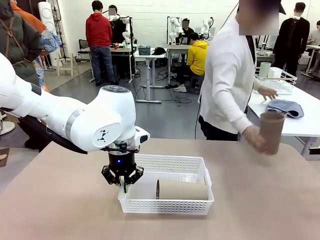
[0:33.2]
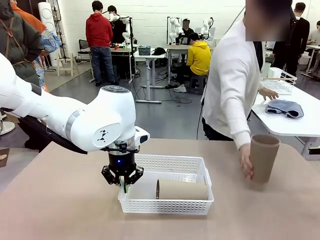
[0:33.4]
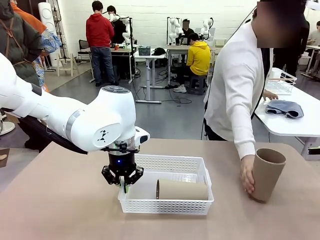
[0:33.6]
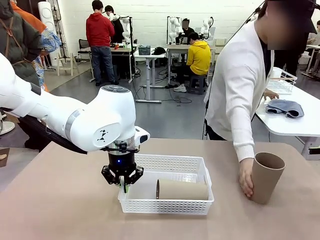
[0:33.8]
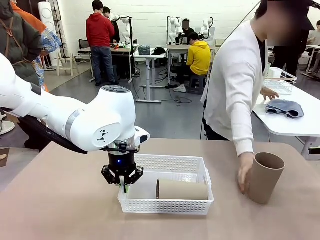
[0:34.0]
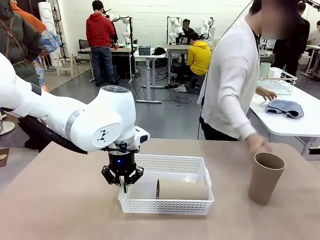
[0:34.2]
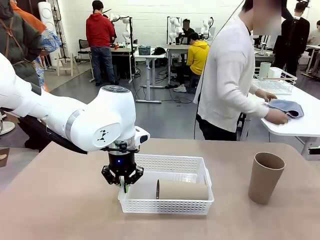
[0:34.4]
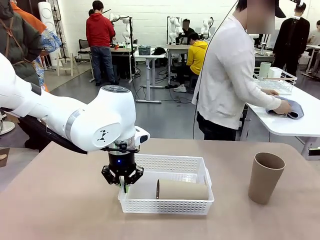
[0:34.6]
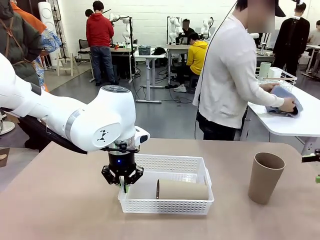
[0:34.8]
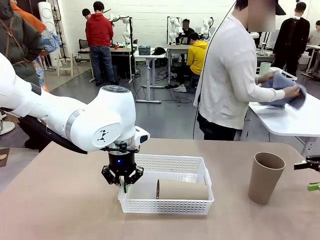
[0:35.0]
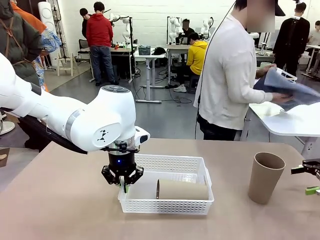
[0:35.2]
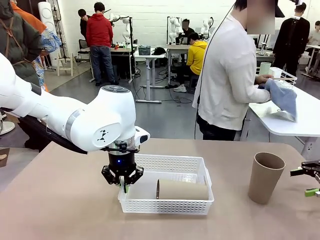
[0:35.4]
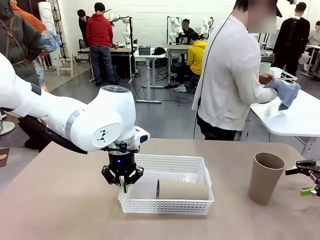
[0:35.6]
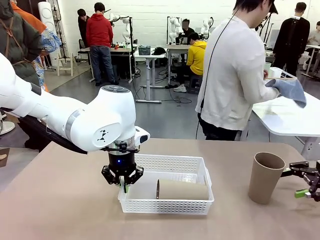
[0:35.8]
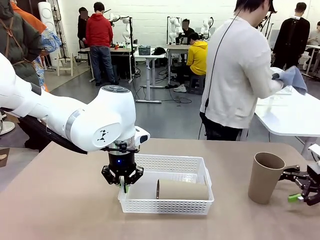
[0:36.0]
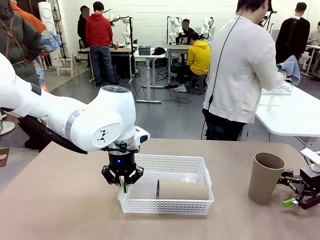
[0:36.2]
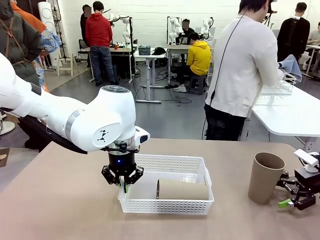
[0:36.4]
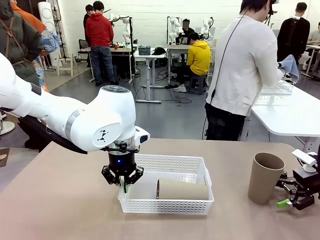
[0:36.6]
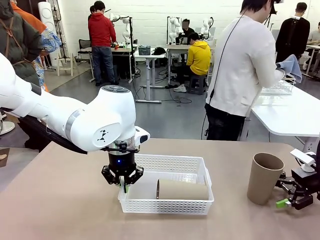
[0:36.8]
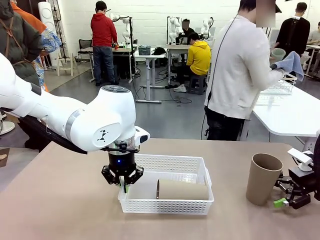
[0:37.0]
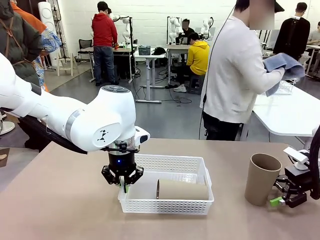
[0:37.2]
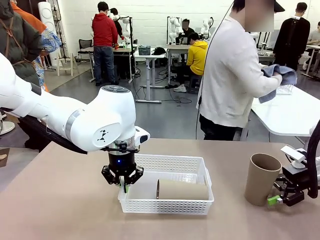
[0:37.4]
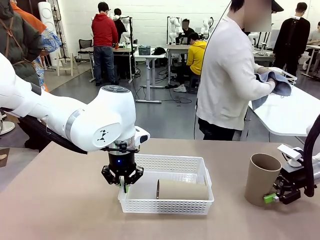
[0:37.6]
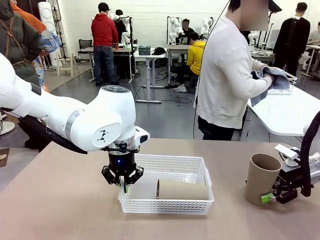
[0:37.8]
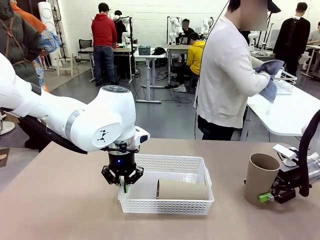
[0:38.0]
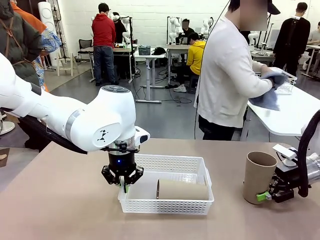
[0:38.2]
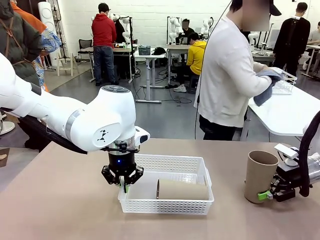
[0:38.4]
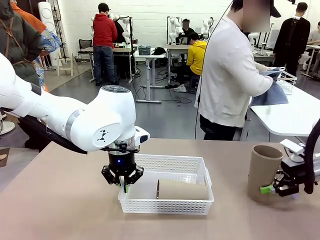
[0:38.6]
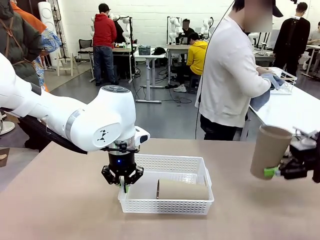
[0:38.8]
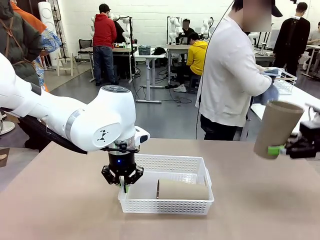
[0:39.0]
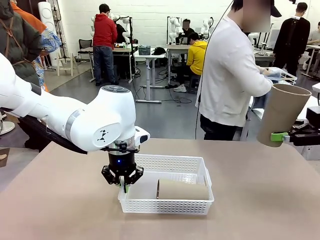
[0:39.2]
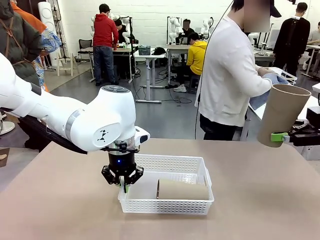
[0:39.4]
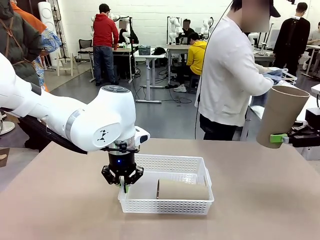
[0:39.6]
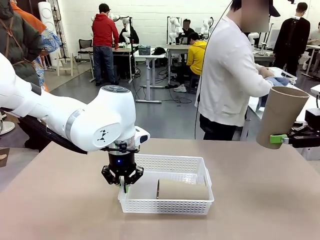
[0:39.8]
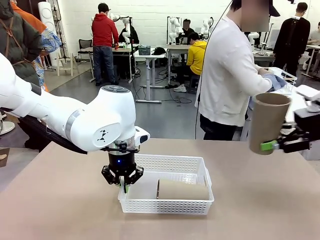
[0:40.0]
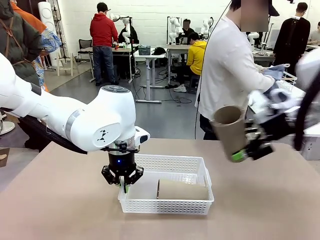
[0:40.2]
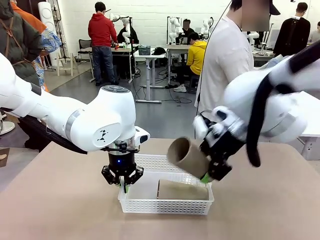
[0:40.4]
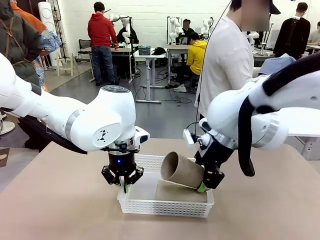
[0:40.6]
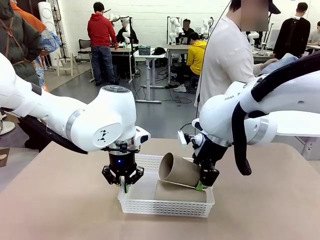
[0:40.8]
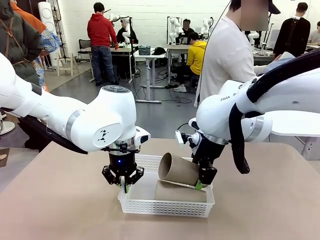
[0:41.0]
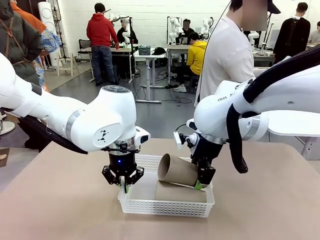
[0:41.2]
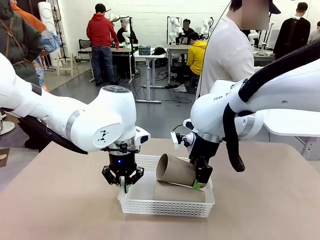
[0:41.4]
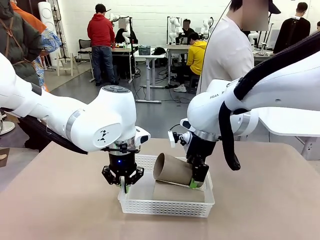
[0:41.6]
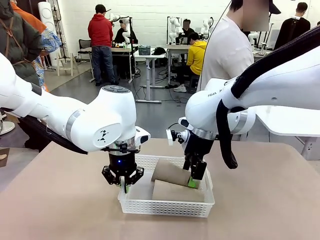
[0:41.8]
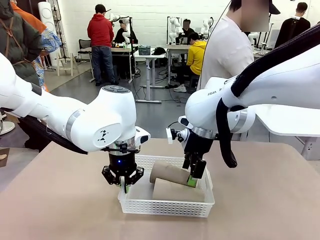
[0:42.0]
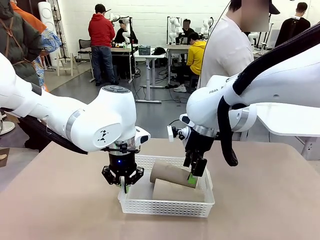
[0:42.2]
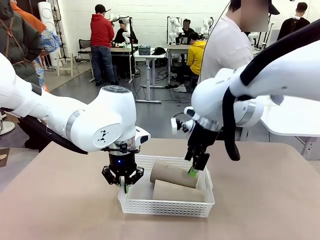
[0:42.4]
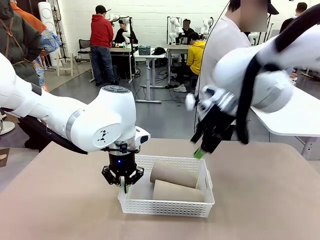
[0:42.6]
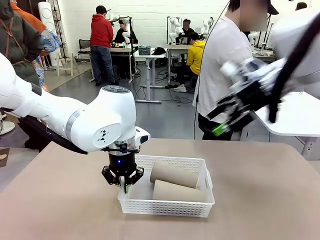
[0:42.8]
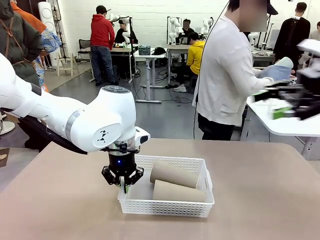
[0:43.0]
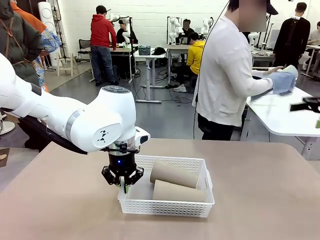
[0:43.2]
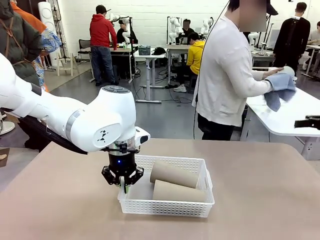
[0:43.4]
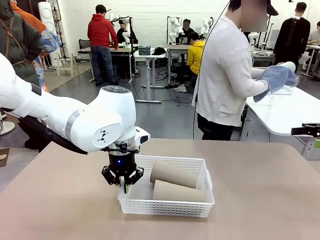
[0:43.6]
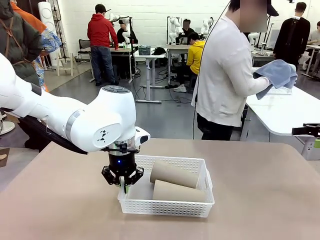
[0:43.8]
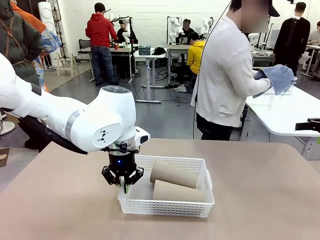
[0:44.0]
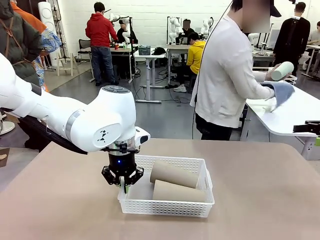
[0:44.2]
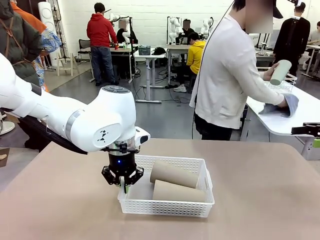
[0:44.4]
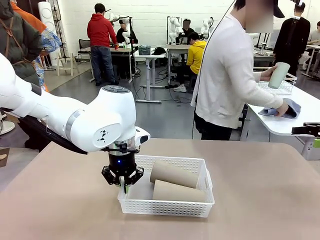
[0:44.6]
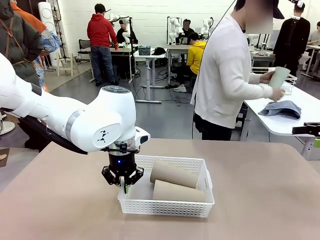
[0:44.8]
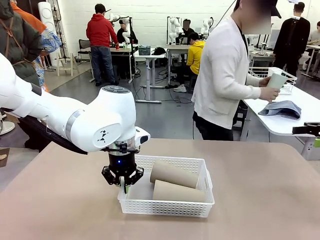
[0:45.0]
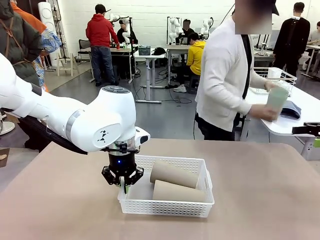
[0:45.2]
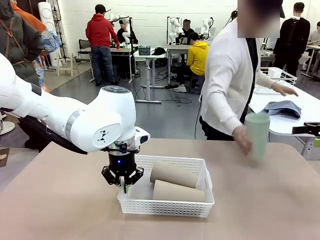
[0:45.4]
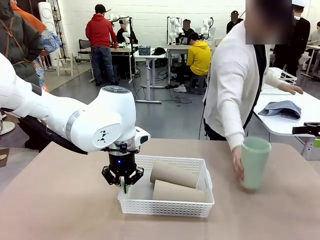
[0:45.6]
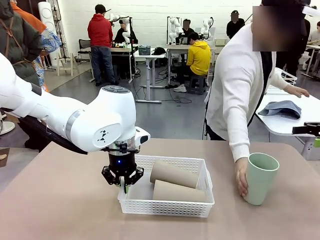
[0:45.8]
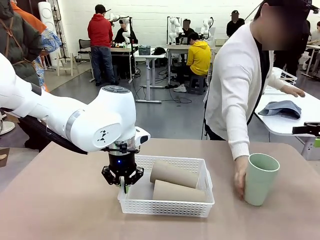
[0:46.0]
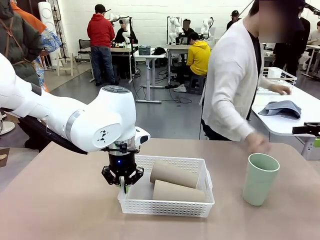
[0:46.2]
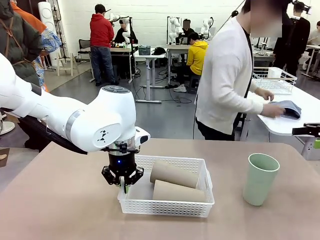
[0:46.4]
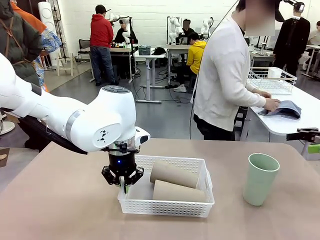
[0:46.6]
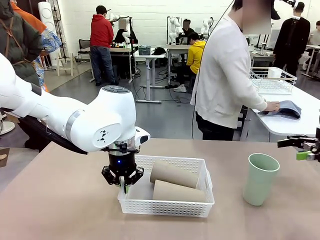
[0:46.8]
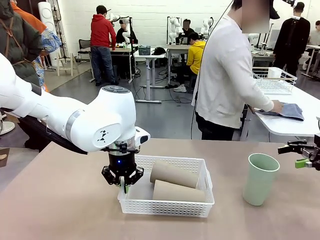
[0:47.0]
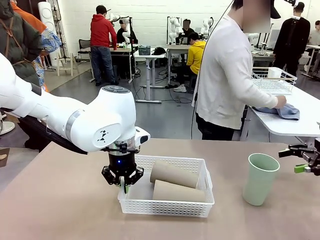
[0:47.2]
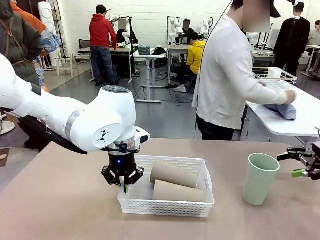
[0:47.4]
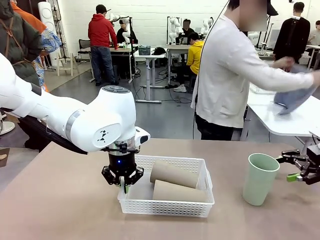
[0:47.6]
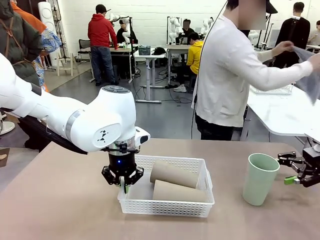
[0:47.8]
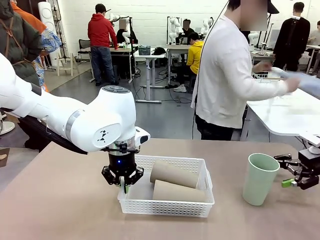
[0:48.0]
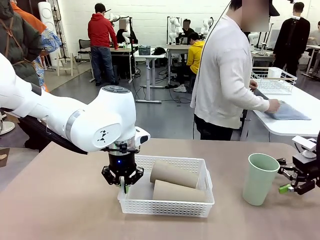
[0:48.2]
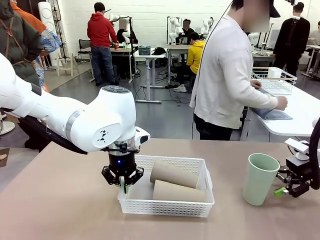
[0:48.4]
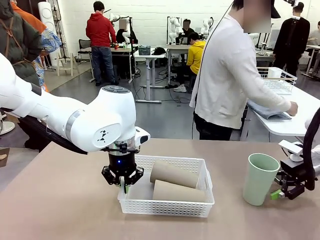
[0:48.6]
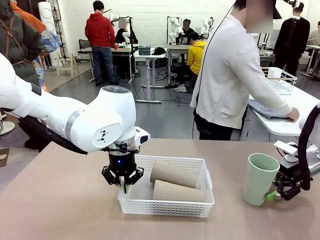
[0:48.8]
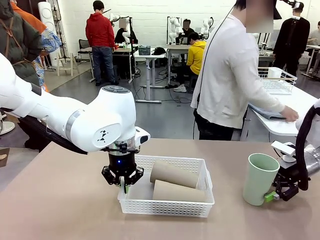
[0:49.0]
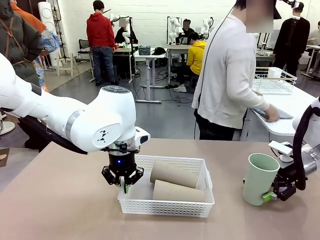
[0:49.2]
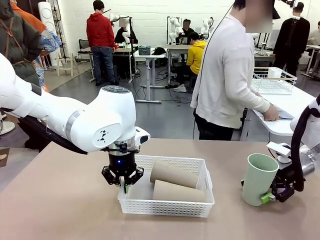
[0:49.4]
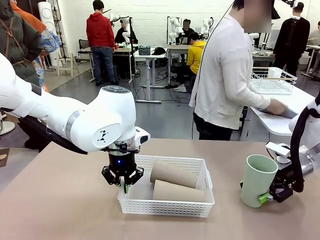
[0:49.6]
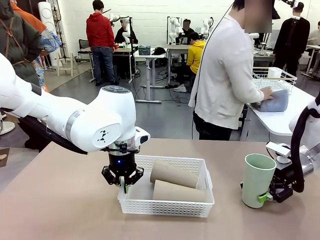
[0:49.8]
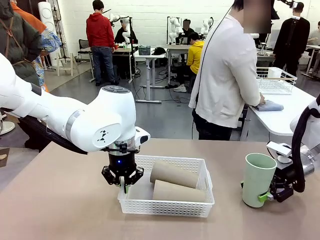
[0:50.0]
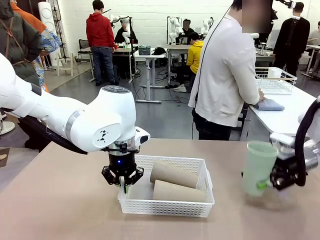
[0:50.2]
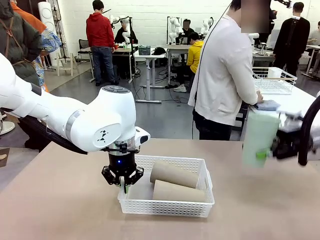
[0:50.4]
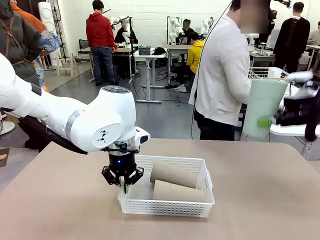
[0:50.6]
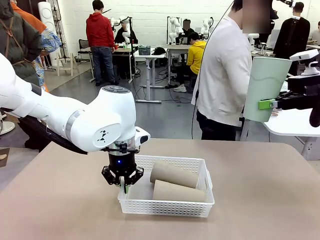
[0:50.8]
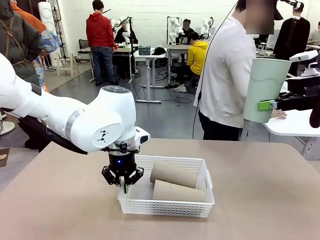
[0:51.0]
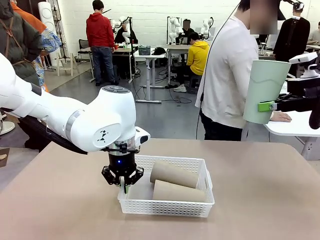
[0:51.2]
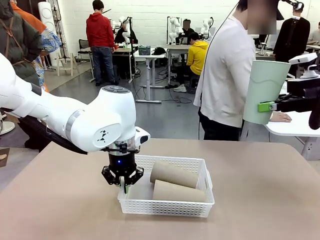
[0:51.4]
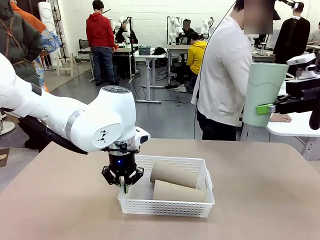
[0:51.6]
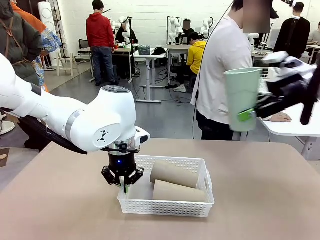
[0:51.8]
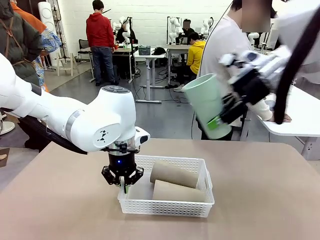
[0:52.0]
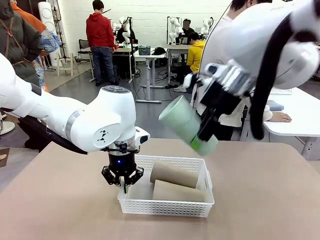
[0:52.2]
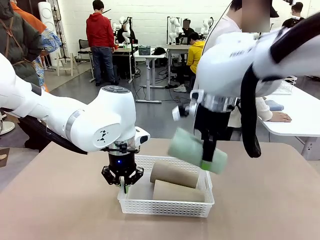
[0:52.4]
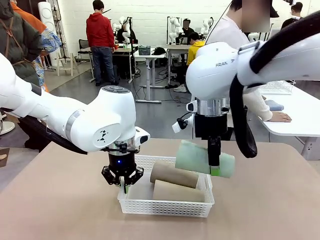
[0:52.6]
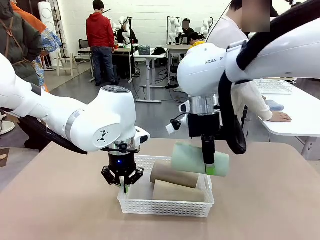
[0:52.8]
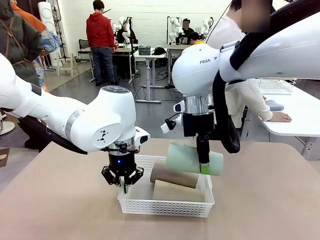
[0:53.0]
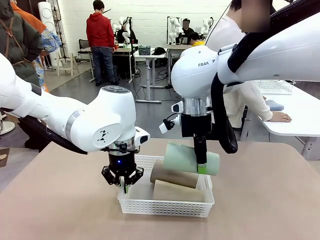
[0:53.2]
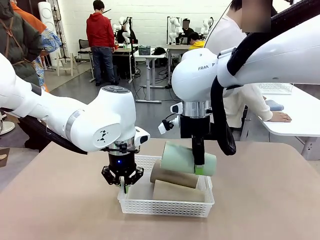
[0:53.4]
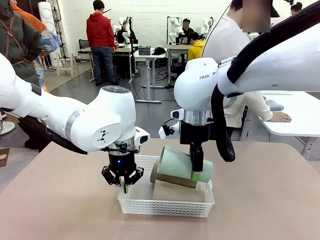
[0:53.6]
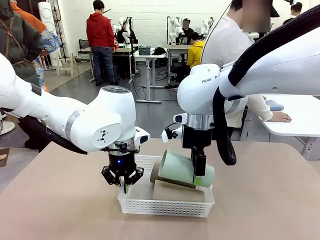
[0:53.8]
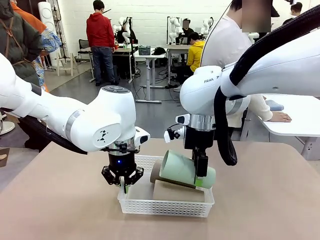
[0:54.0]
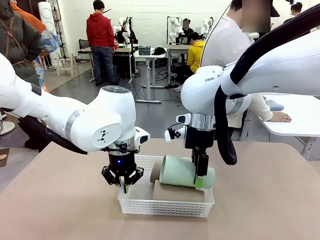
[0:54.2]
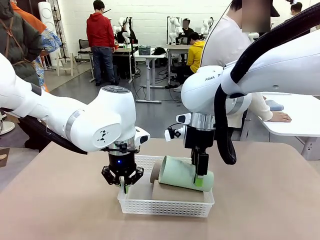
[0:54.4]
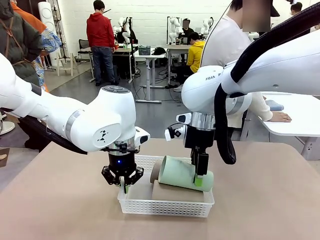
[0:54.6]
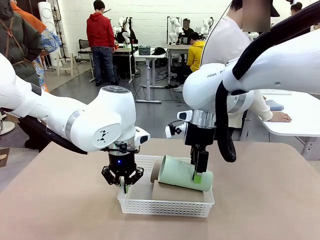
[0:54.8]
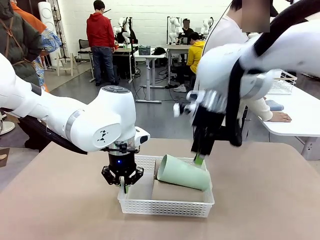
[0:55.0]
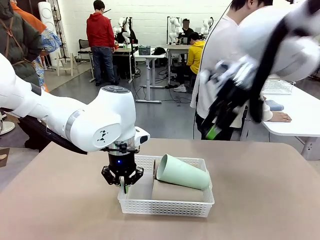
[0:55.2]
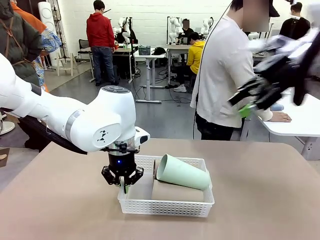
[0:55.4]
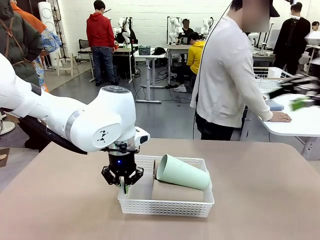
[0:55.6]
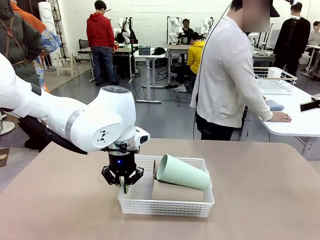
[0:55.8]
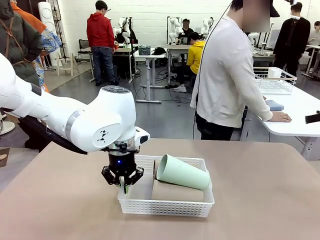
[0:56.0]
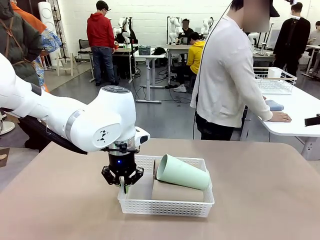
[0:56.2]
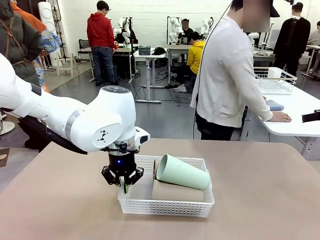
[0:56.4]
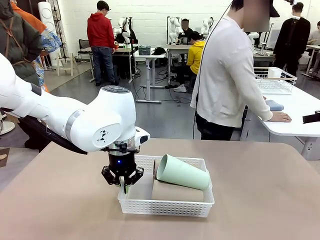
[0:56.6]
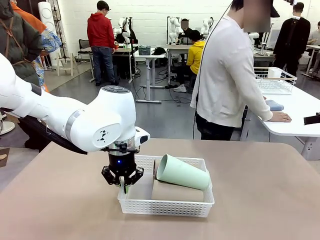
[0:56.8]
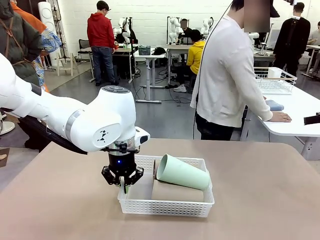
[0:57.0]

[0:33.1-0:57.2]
Task: Clean and organize the cups into the basket.
Robot: Pick up the Reusable plastic cup from the right side of the table and stack it inside the Organizing basket in the center of the table.
